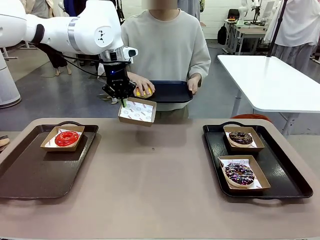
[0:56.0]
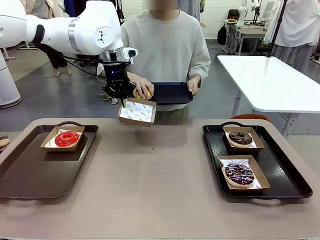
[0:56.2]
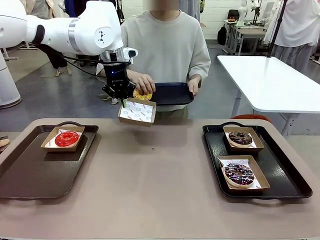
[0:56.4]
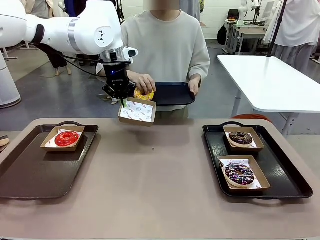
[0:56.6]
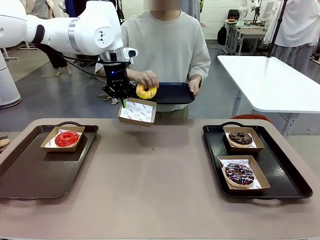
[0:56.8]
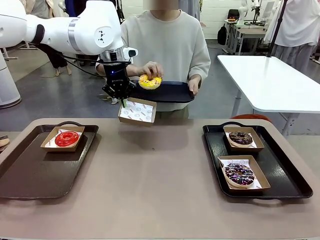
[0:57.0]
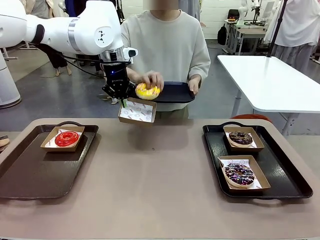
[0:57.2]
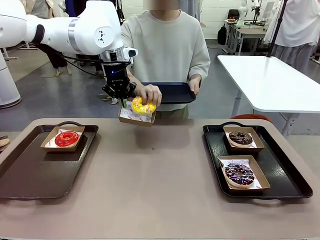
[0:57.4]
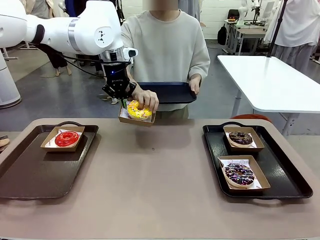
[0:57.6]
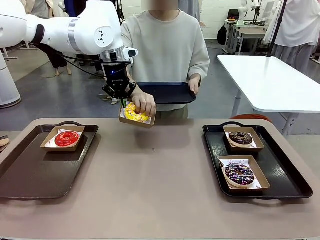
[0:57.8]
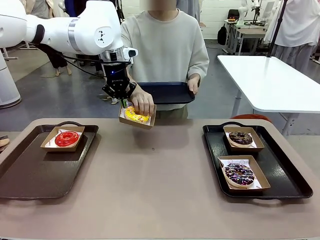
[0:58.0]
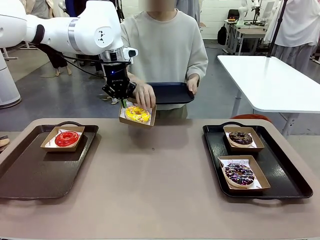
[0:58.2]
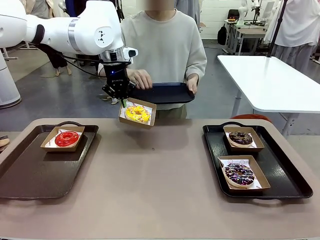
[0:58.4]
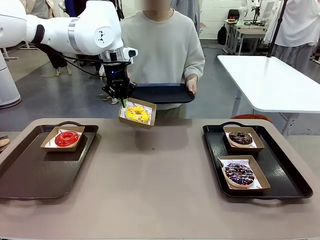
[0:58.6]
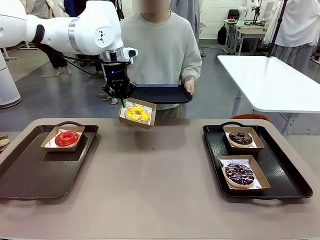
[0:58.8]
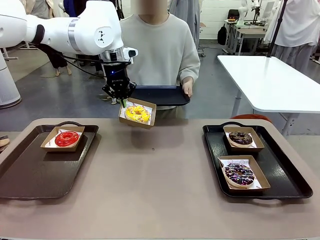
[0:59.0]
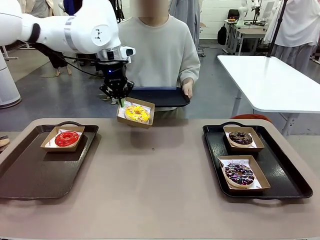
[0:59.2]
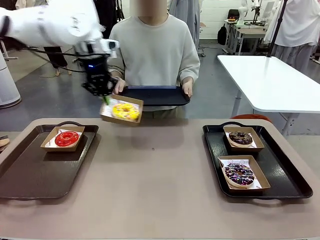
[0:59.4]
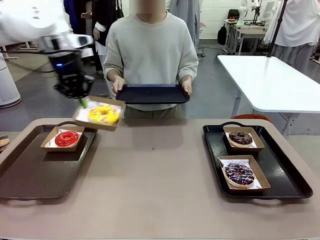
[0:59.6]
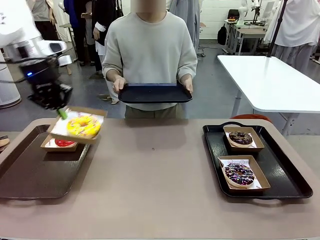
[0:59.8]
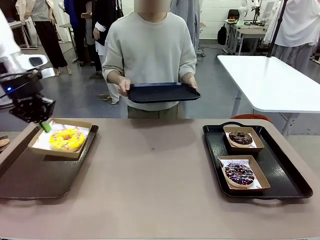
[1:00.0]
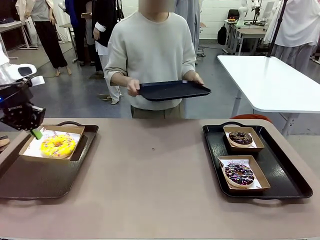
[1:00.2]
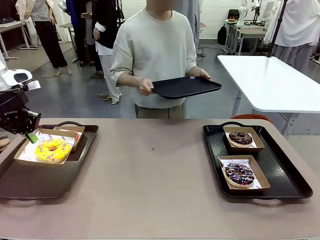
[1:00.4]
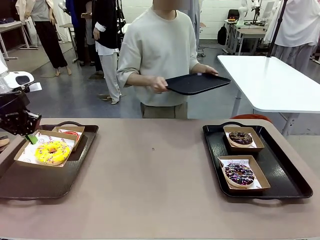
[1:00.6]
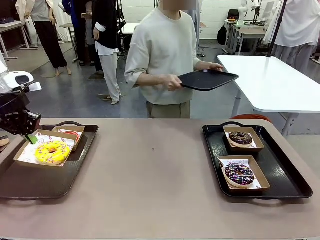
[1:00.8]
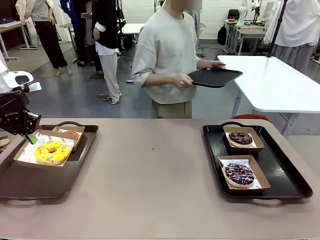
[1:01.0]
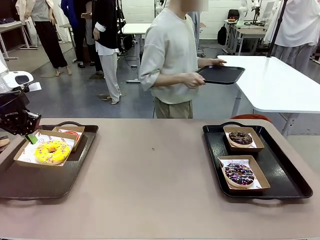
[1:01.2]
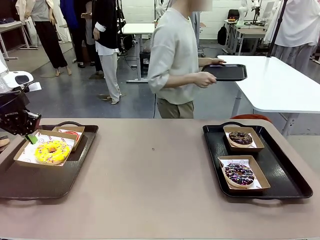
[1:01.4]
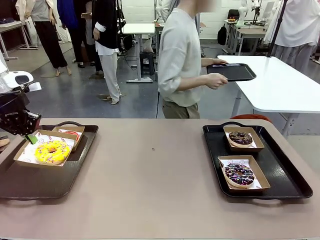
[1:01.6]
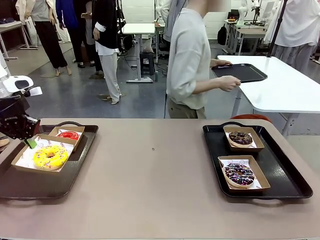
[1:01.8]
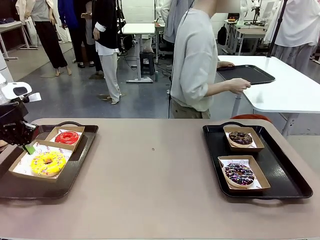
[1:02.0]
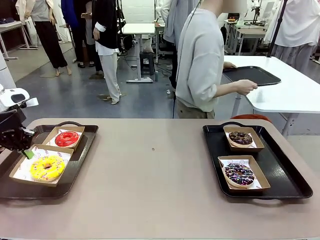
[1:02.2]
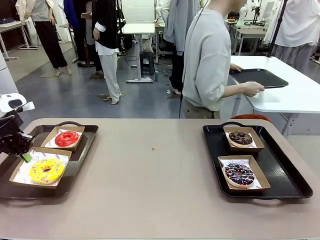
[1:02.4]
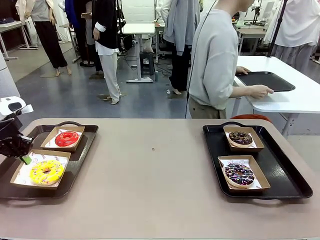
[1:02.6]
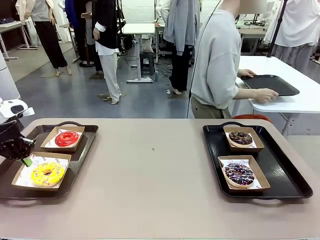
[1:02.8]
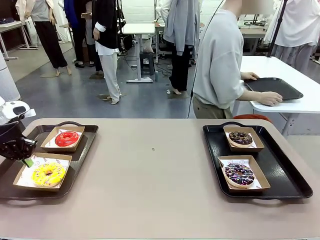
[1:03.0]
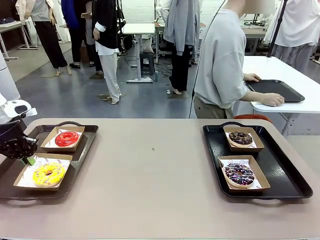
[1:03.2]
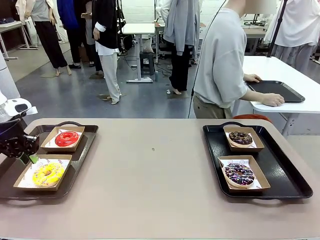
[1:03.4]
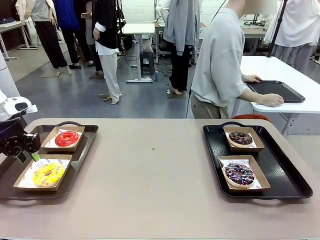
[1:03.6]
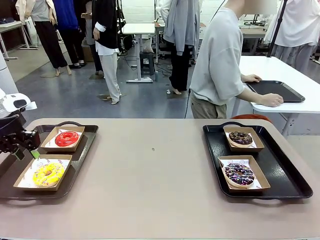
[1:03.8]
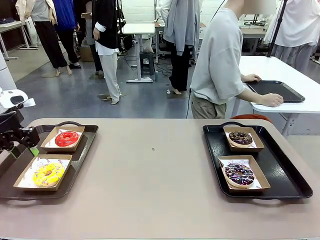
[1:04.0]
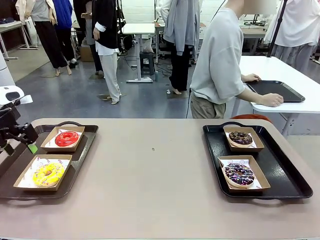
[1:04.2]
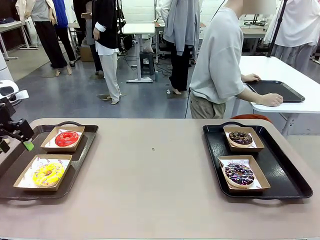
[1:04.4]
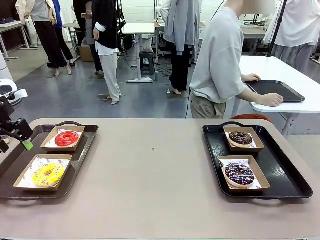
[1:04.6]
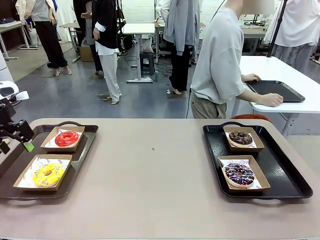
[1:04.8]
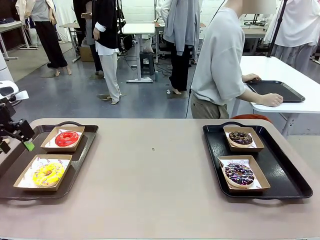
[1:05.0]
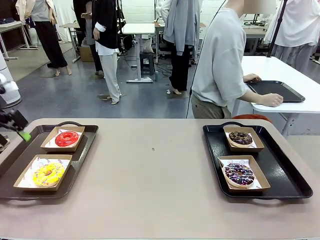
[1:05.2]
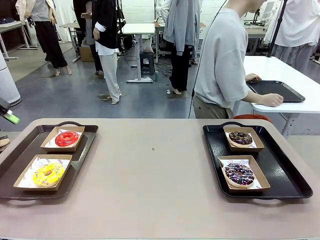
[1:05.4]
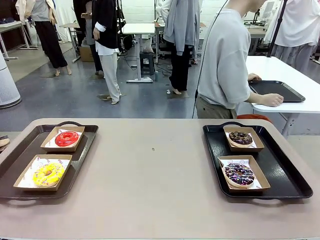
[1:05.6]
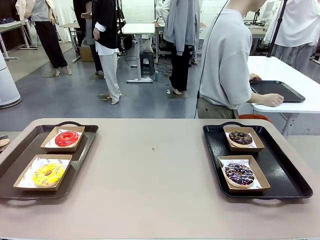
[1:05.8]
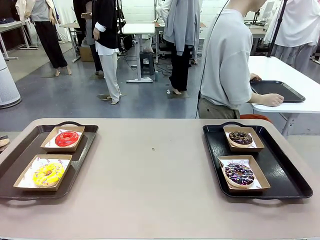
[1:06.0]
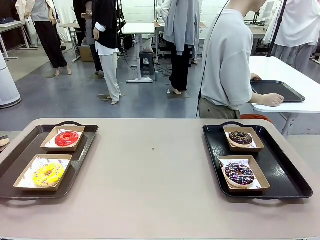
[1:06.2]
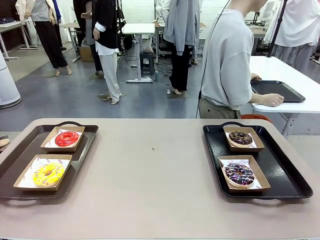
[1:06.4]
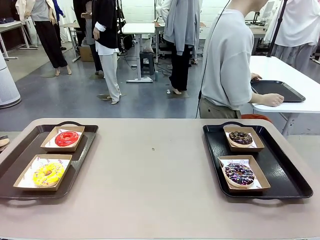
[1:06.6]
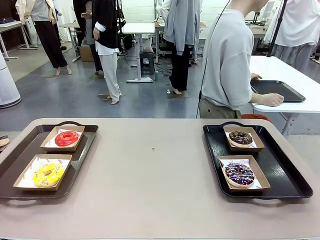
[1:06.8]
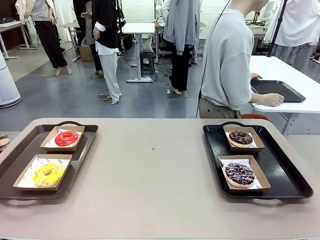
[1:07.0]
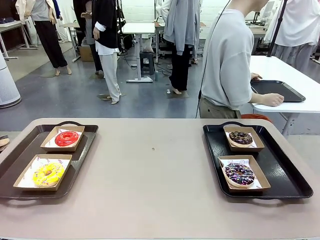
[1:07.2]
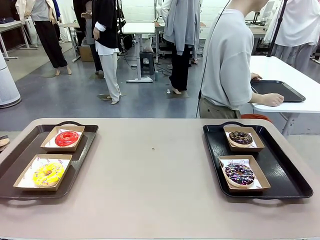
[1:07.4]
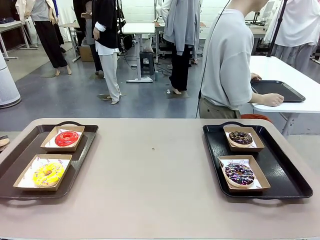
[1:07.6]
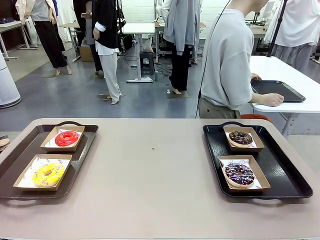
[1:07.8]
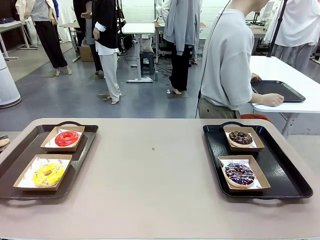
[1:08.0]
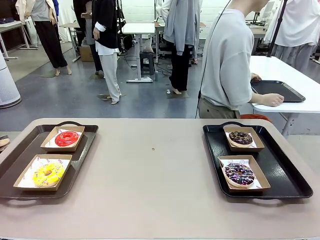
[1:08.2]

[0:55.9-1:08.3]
Task: Individually package the donuts and arrange them on the tray.
Robot: Place the picked Paper togo box on the Handle tray.
Person: Place the tray down in the middle of the human table.

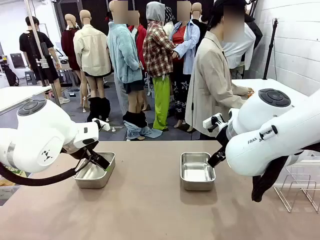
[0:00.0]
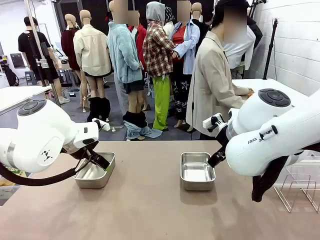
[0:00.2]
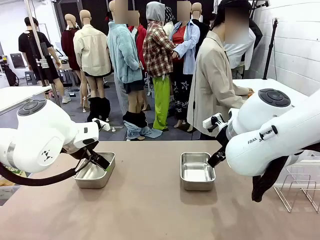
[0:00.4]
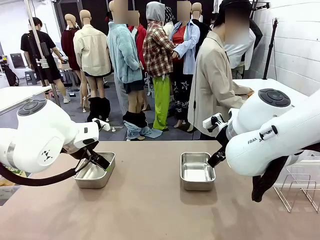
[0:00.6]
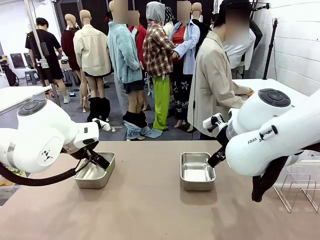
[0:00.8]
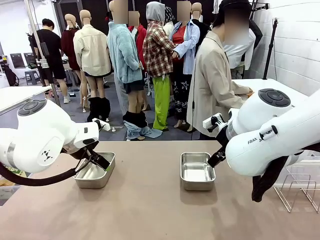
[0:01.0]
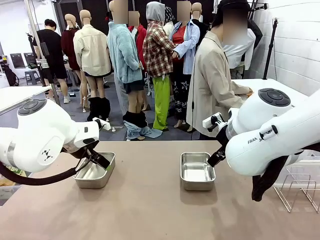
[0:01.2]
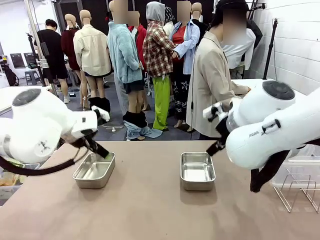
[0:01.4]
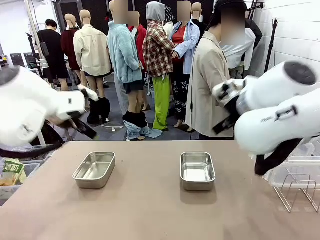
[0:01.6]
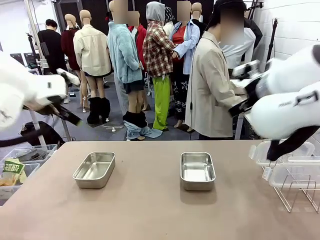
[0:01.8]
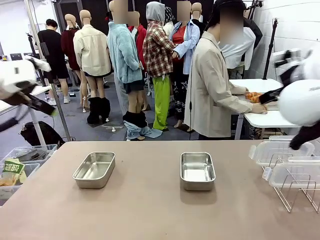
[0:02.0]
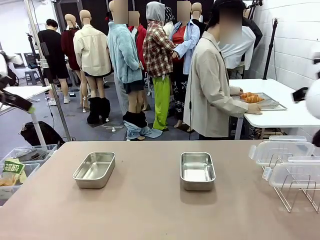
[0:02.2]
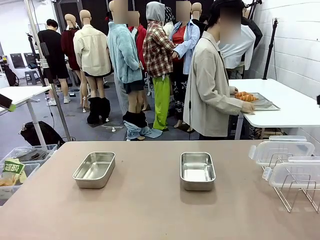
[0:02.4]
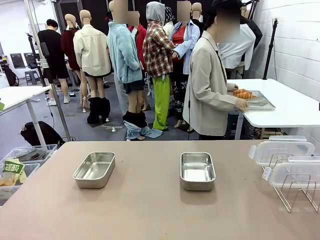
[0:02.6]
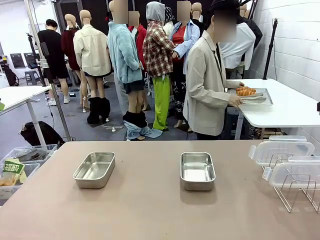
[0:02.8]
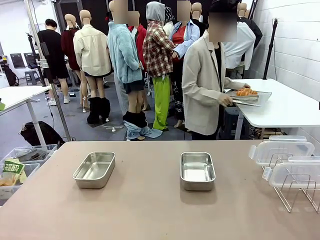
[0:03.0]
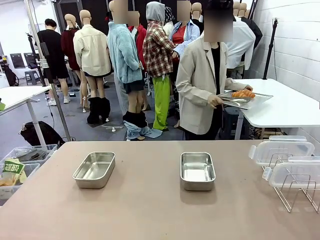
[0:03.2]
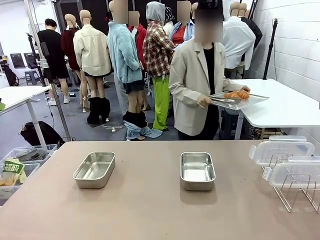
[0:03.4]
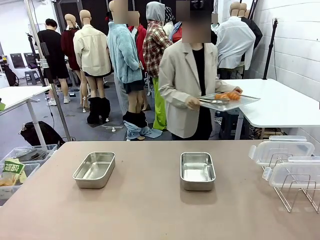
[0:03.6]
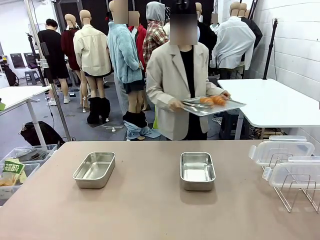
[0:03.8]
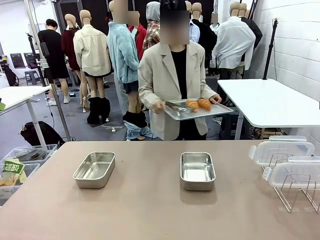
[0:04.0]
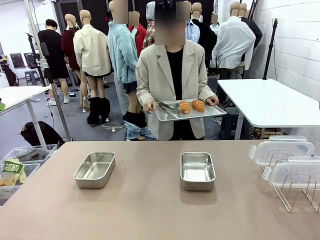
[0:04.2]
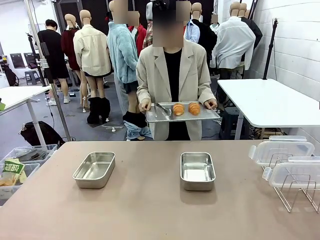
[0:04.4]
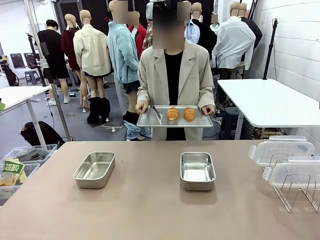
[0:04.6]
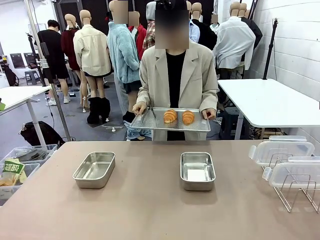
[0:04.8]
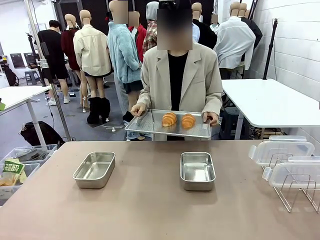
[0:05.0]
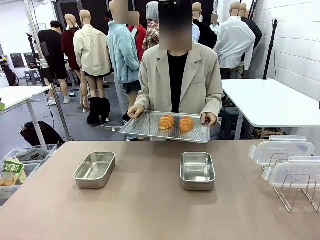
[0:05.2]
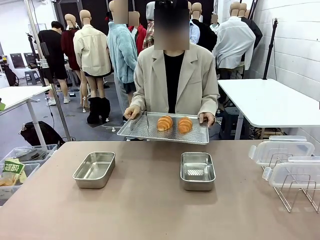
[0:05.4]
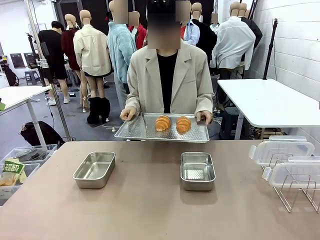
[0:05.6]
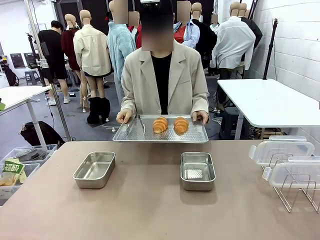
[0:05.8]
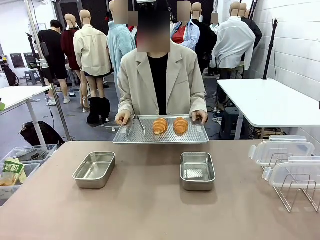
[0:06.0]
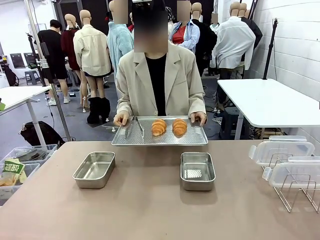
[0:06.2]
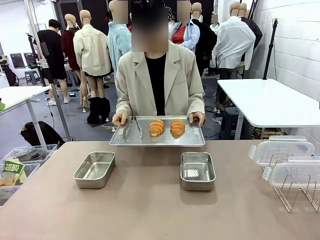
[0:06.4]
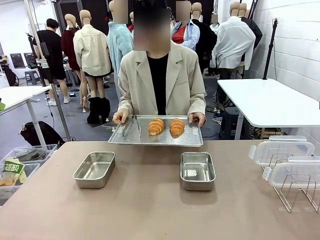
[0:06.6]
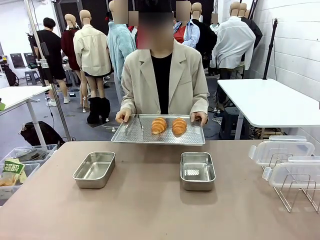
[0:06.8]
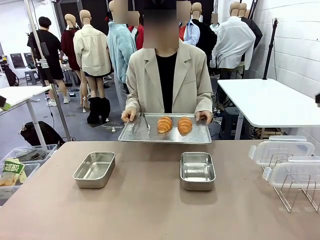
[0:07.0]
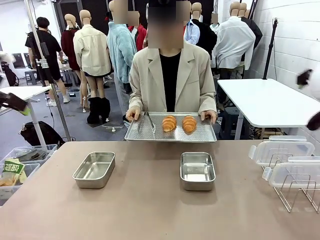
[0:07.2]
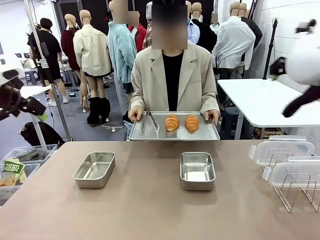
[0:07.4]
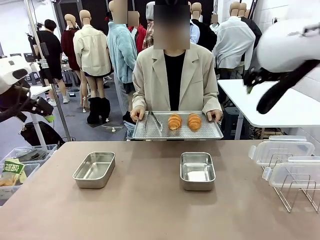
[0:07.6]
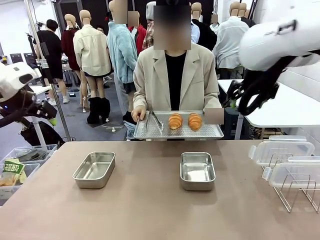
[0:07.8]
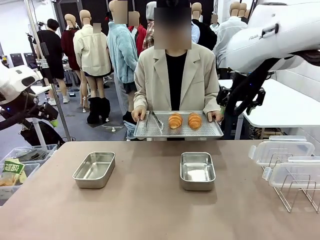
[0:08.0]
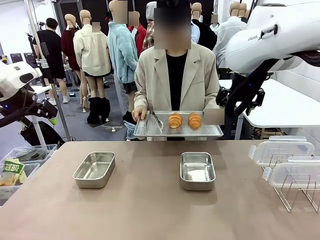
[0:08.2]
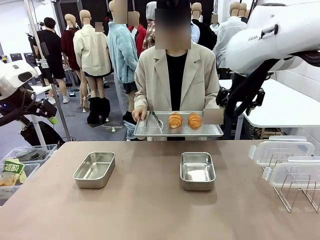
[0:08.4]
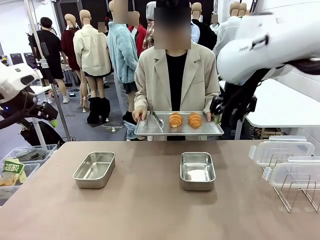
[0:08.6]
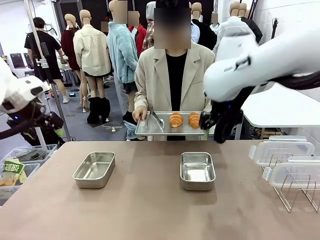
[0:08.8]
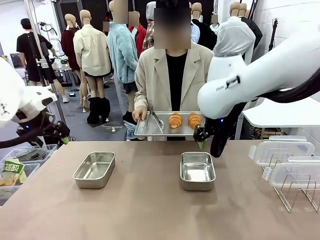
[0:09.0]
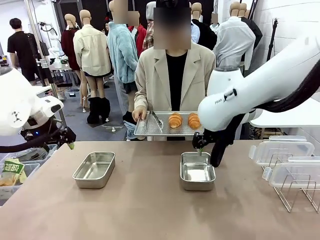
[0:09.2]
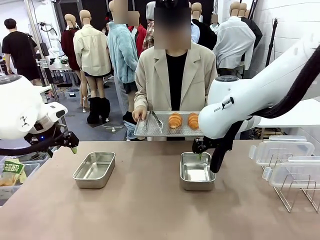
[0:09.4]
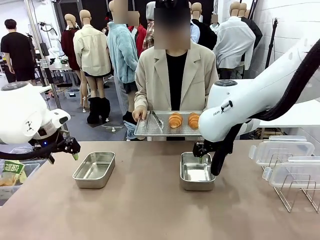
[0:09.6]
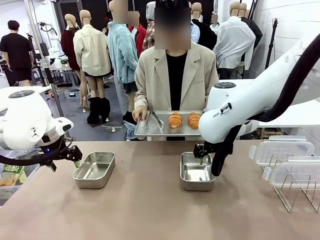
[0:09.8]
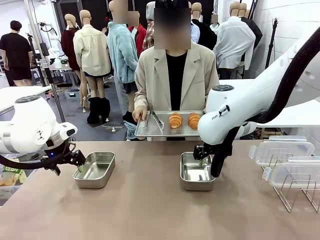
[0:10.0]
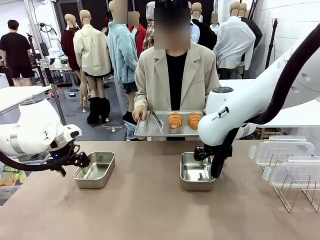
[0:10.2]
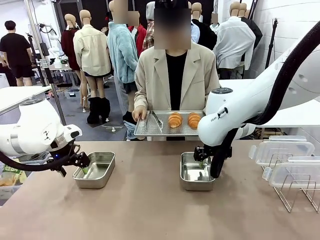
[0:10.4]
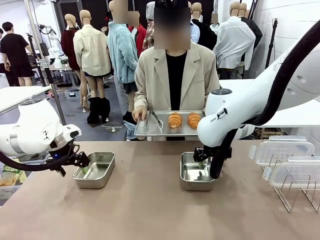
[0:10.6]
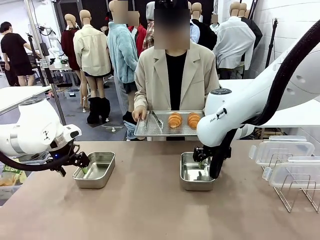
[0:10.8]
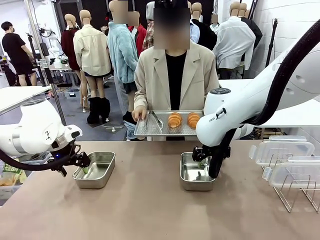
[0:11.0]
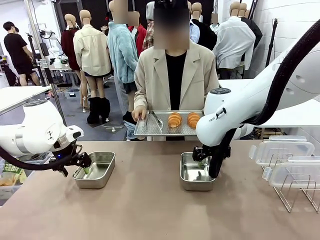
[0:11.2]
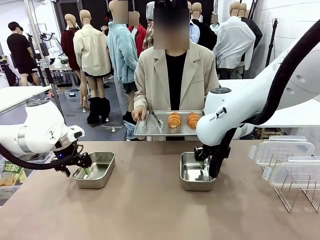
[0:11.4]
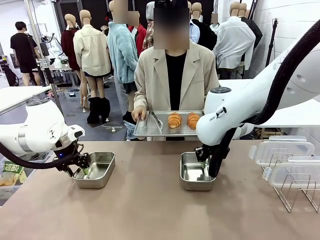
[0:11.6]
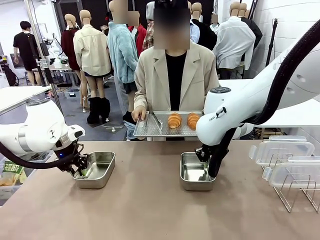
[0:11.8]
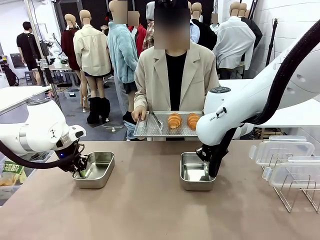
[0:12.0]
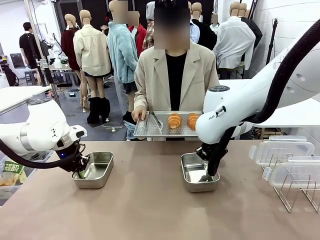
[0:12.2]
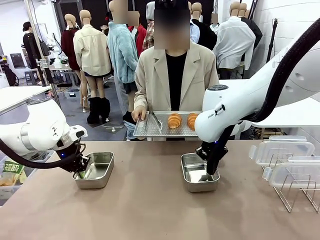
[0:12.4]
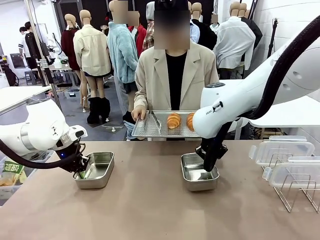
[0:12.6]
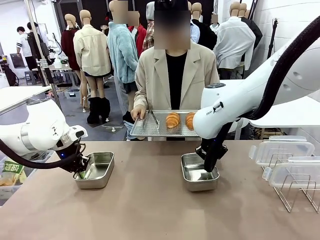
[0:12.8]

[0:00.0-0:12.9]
Task: Place the bread in airtight containers.
Robot: Lift both Airtight Container.
Person: Bring the Baking Sheet in front of Robot's Table.
